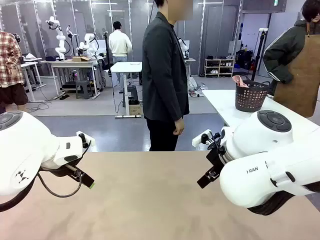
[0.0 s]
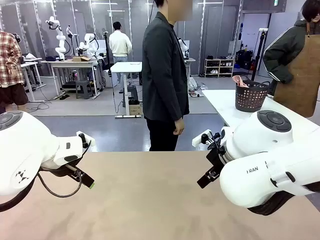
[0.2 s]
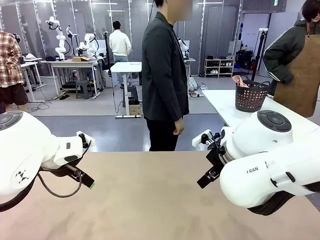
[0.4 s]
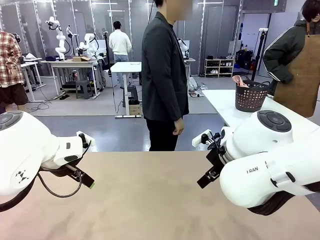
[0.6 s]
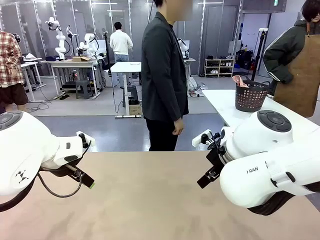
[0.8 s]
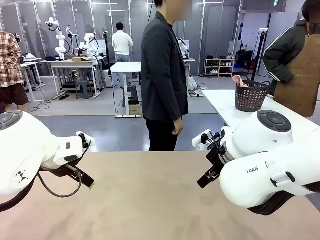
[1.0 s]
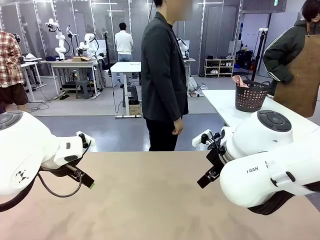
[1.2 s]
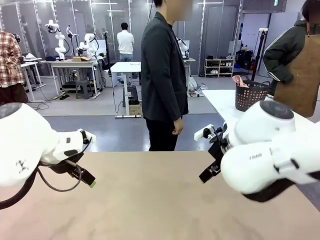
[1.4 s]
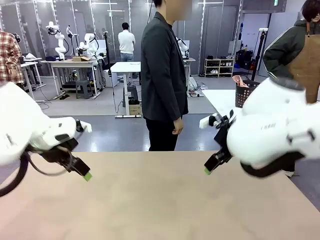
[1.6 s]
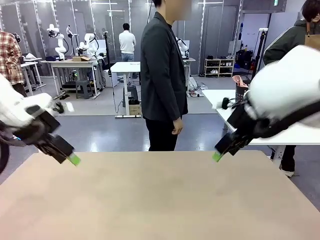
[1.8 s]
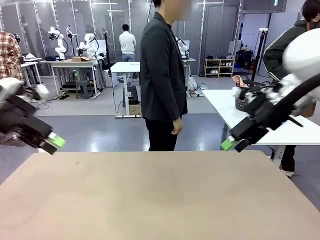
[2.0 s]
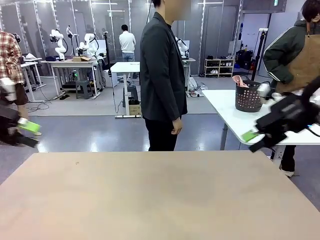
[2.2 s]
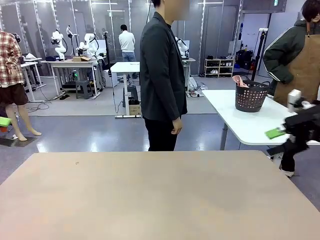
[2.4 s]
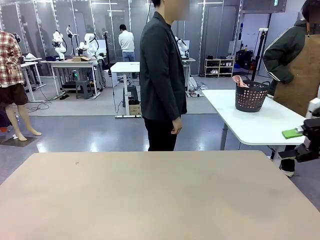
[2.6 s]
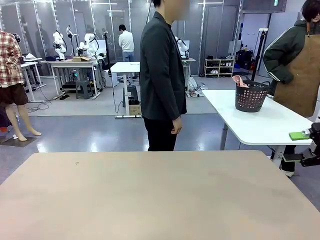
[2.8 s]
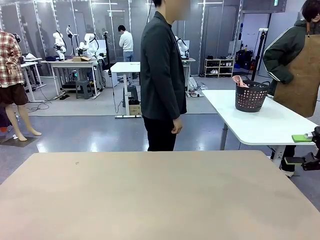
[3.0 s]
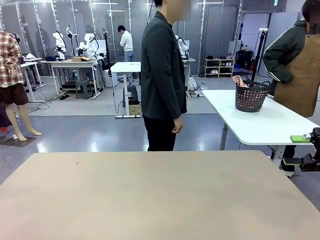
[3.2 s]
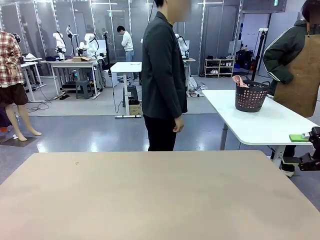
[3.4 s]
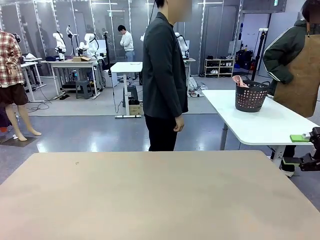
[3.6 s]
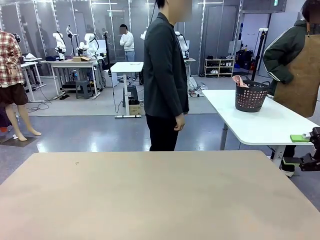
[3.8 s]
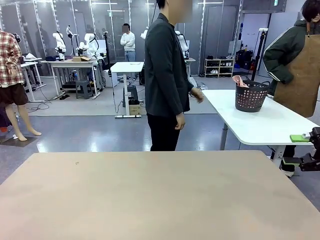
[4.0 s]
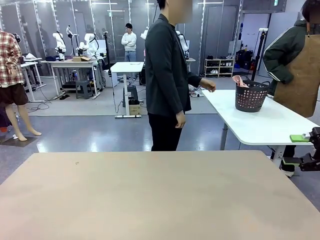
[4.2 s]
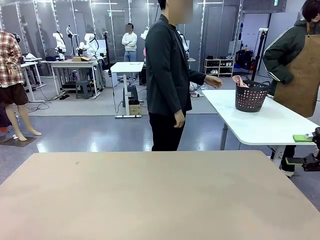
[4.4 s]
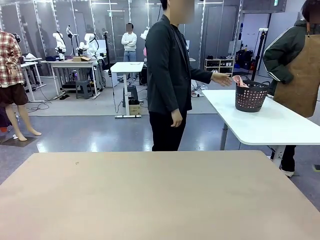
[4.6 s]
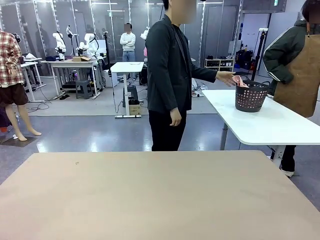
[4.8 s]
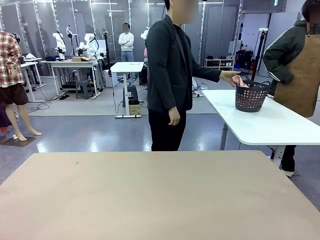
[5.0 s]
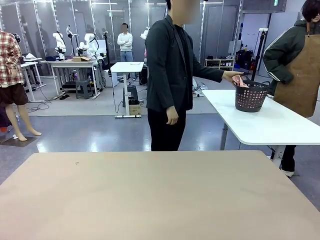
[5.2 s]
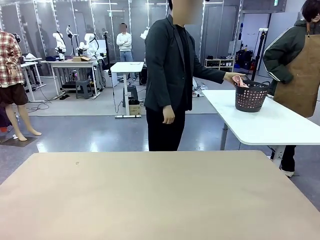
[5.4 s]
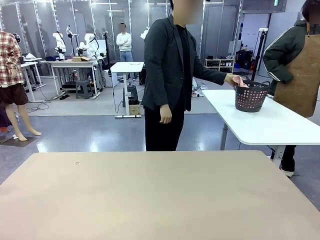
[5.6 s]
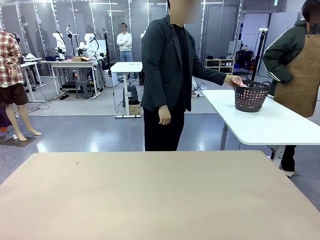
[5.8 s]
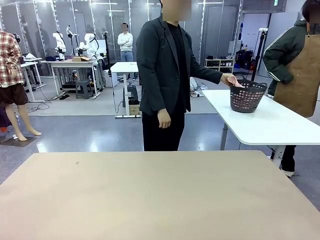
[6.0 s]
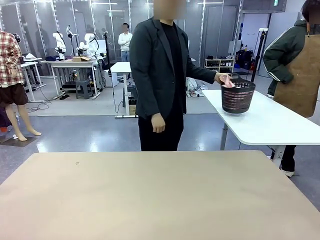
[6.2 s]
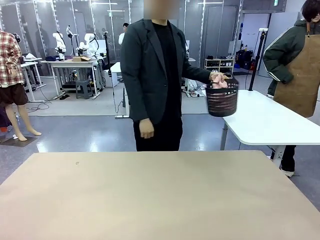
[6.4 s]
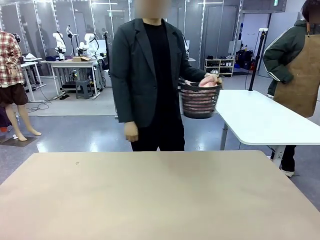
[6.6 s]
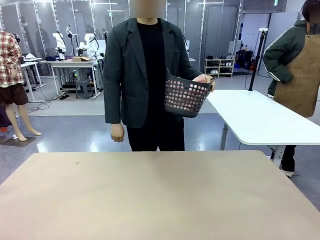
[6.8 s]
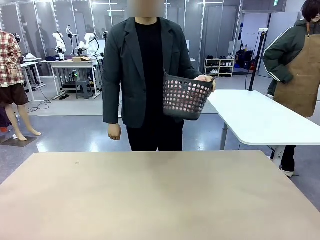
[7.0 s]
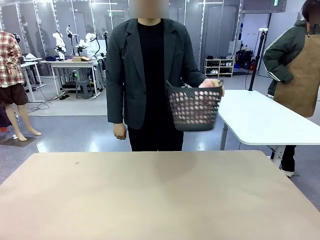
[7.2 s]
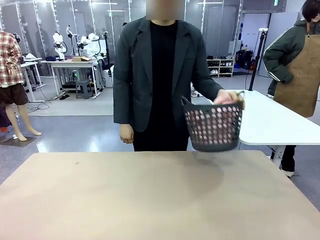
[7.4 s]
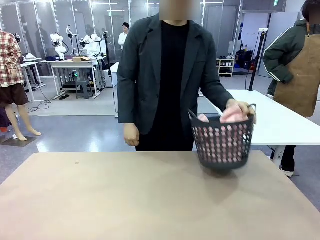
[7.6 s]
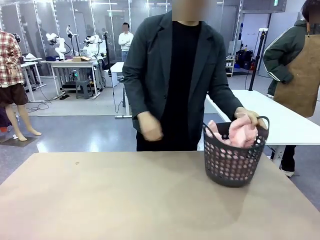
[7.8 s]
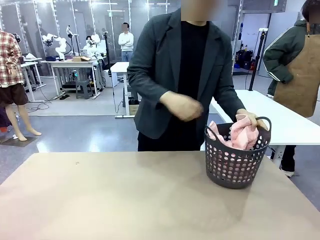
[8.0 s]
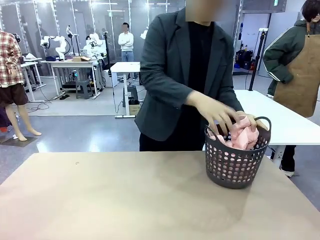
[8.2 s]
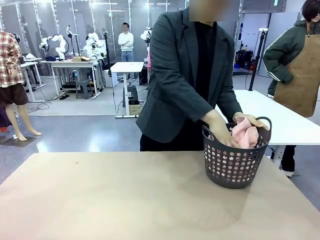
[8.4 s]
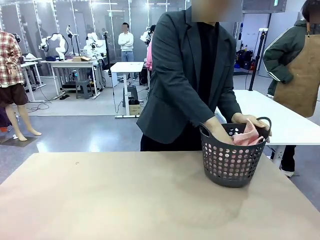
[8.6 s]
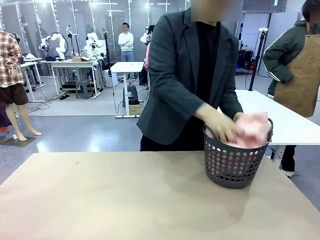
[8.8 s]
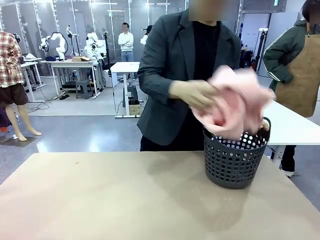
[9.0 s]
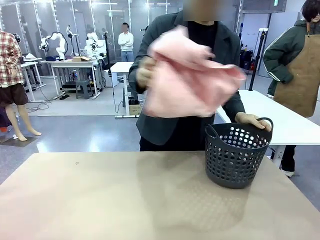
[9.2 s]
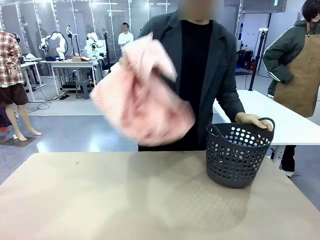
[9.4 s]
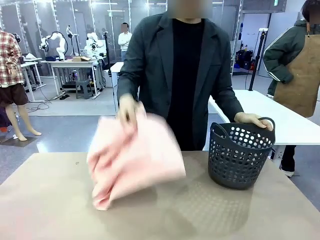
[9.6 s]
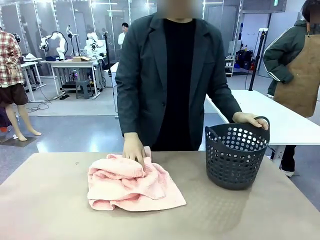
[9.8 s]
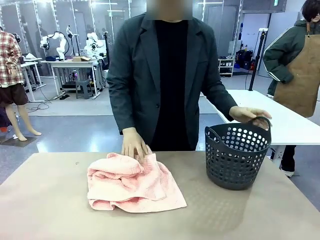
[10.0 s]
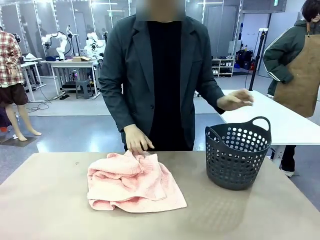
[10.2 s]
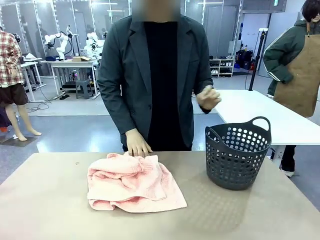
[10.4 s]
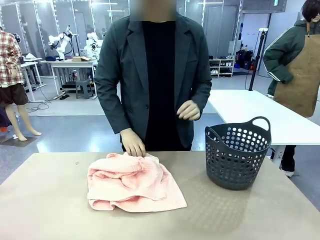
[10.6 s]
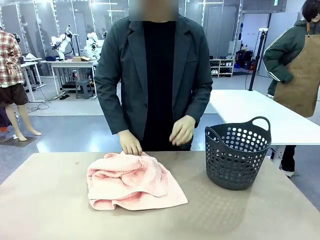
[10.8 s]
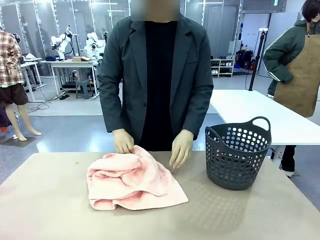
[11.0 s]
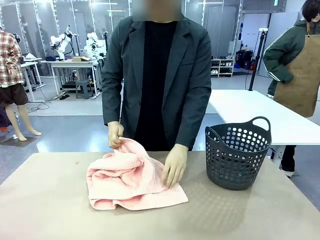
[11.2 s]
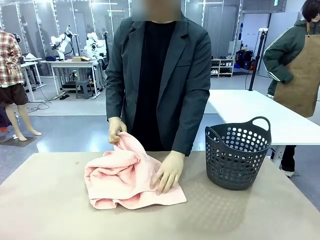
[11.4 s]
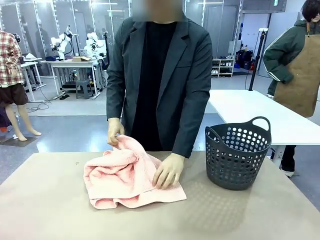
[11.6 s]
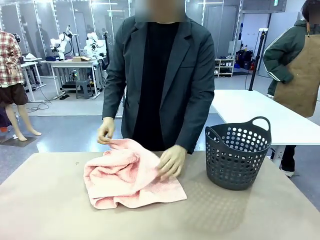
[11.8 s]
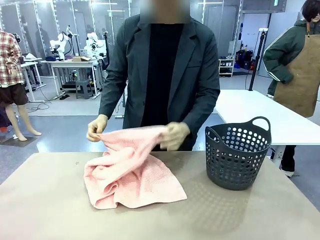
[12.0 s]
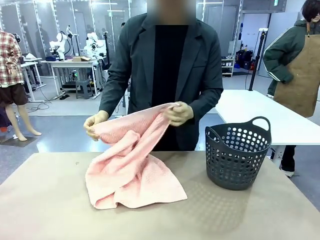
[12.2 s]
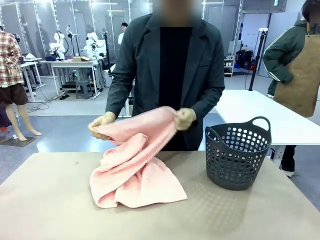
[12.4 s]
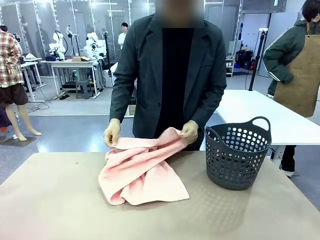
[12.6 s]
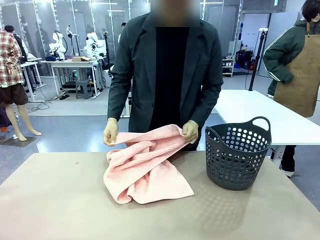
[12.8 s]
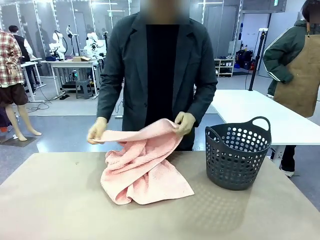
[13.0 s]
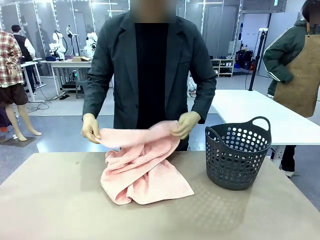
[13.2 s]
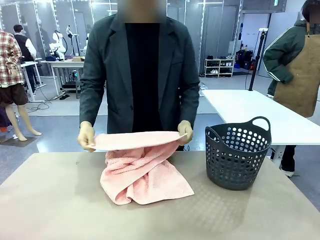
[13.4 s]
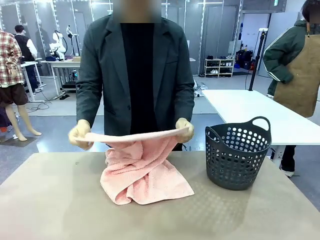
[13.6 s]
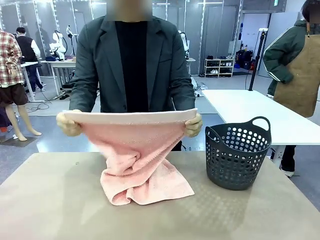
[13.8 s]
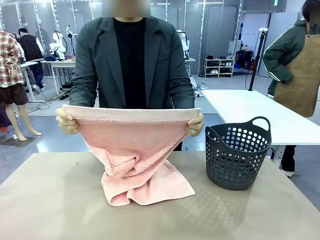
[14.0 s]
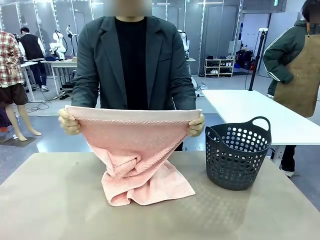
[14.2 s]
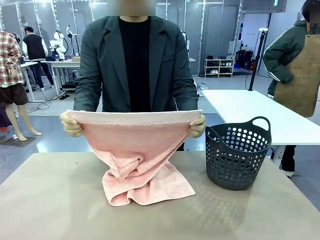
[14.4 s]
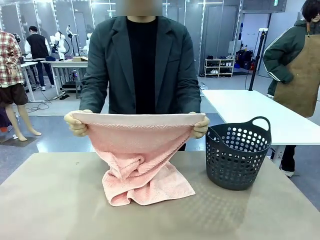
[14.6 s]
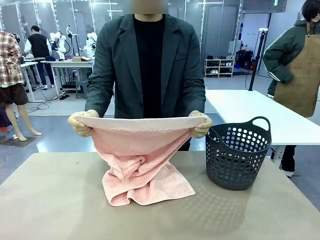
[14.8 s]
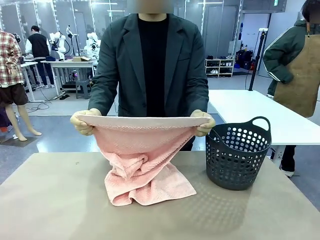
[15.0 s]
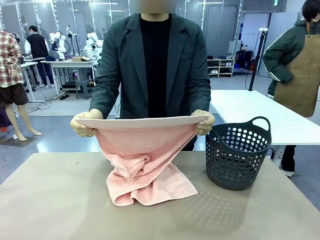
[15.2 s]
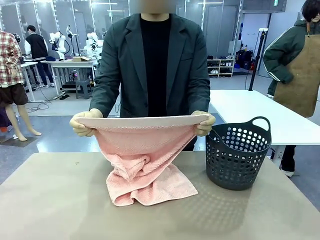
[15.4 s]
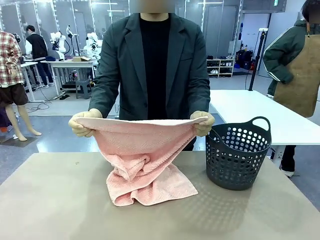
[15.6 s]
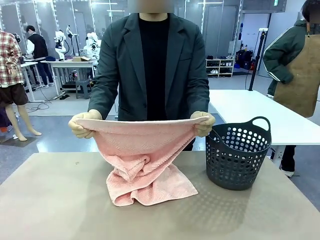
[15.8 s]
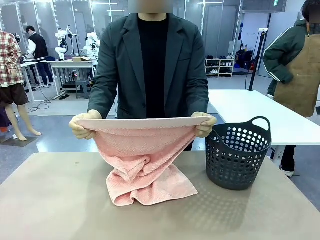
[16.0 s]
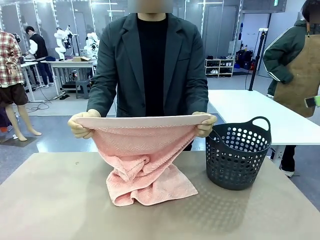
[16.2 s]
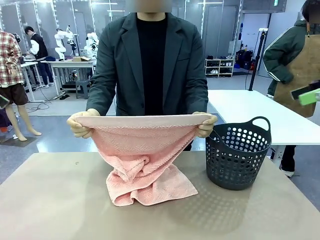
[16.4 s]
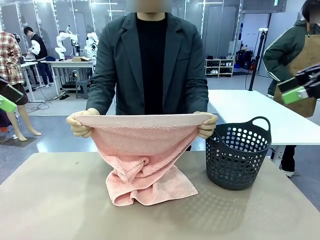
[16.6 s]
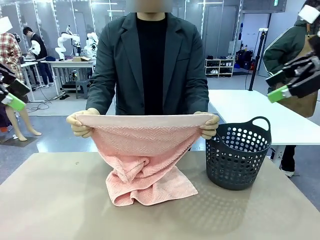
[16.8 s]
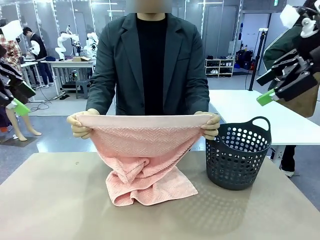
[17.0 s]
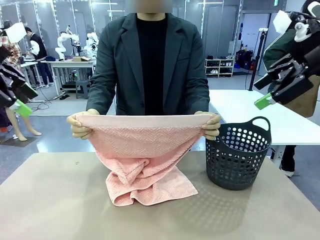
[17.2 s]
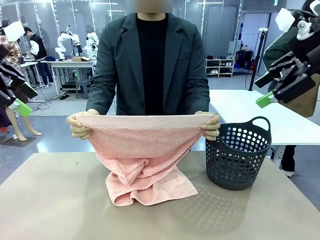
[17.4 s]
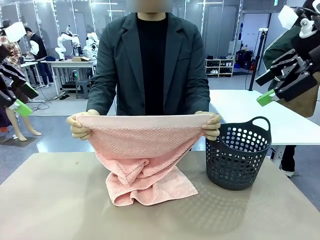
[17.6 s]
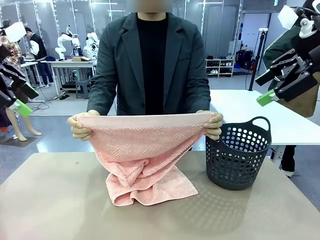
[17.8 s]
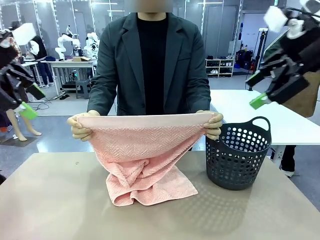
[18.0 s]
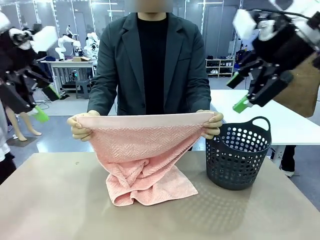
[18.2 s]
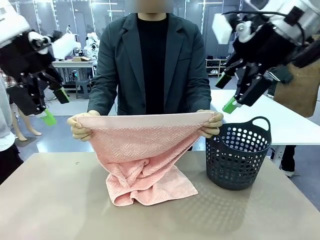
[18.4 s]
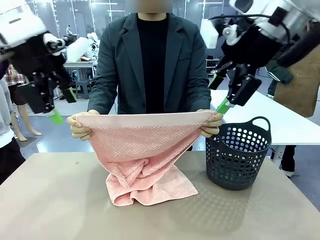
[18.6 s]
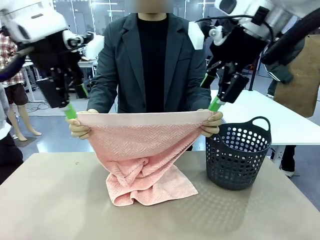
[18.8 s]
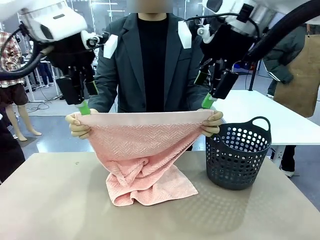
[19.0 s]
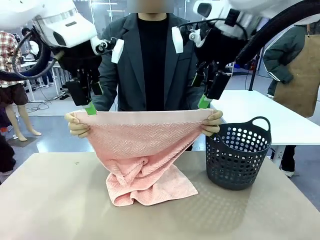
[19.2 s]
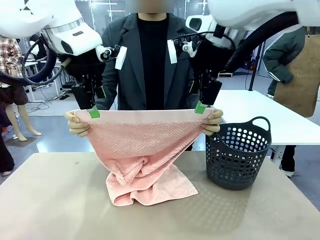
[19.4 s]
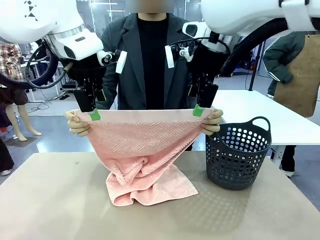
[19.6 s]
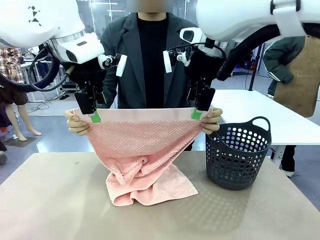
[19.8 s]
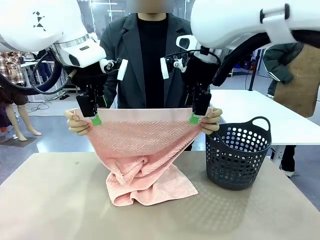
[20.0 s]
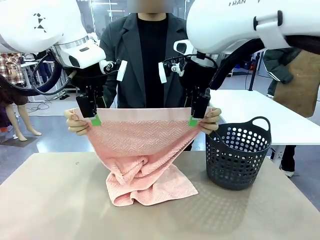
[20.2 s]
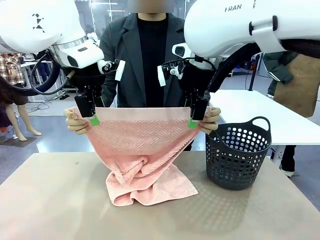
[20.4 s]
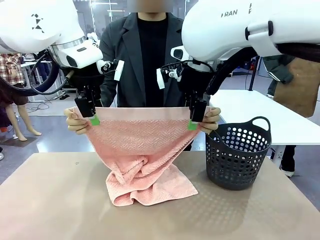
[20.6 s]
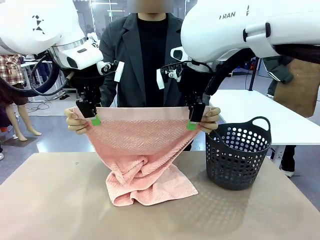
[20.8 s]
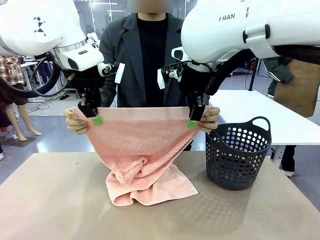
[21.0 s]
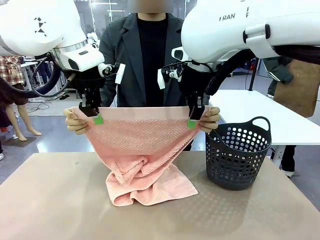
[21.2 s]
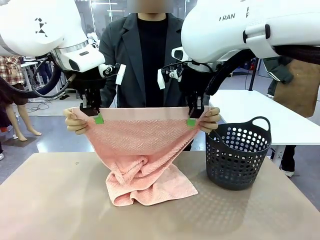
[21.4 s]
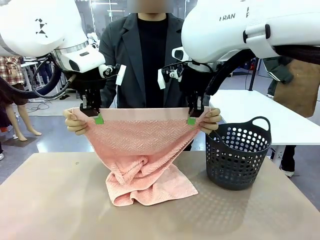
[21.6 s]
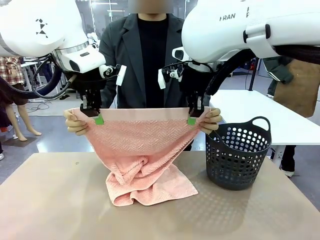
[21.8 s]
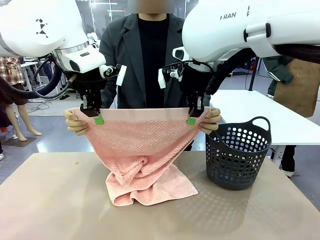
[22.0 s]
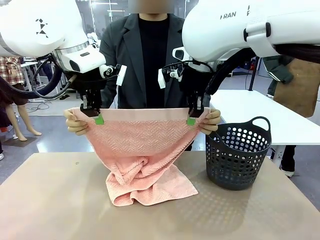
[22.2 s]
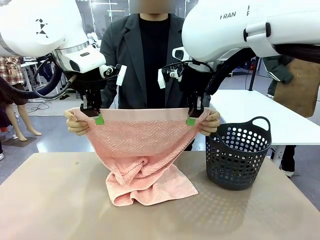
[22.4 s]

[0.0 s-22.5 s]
Task: Fold the towel.
Robot: Grab the top end of the 100 cm Hotel Towel extended by the human.
Person: Pick up the laundry basket, place it on the left side of the robot table, then take out a towel and hand it to the robot while holding both corners of one end.
